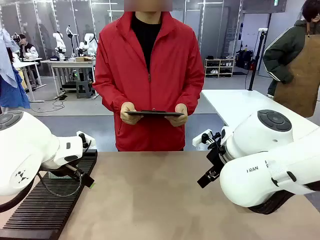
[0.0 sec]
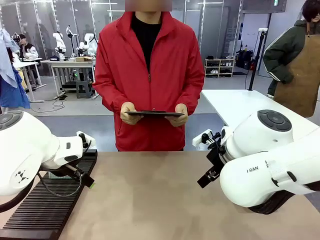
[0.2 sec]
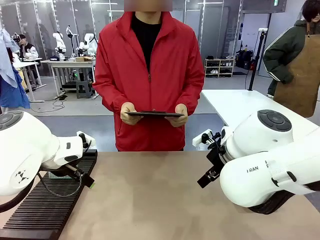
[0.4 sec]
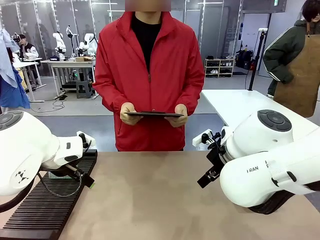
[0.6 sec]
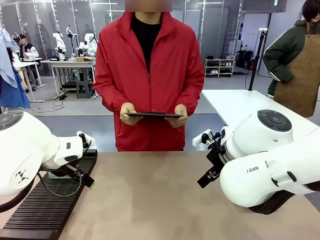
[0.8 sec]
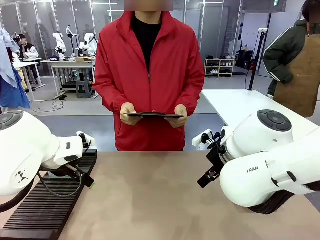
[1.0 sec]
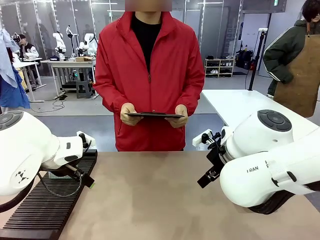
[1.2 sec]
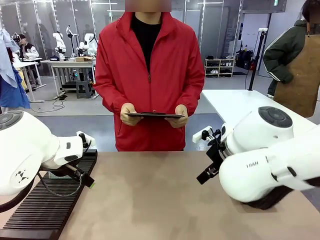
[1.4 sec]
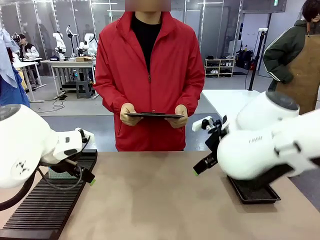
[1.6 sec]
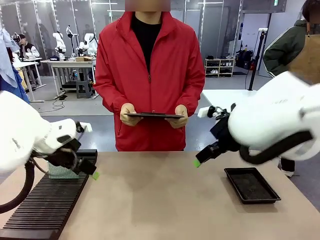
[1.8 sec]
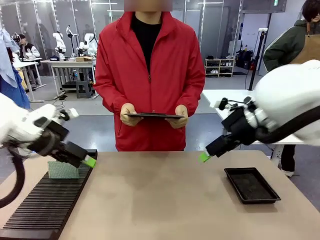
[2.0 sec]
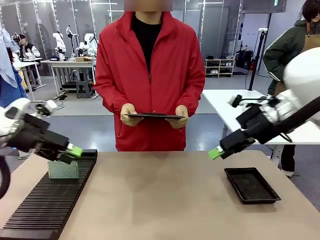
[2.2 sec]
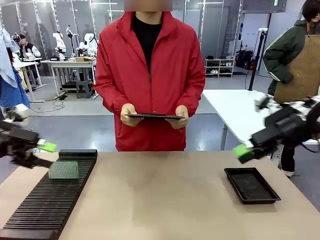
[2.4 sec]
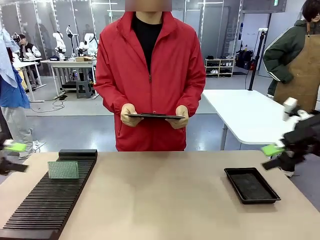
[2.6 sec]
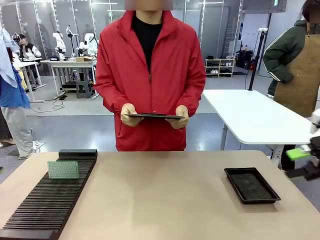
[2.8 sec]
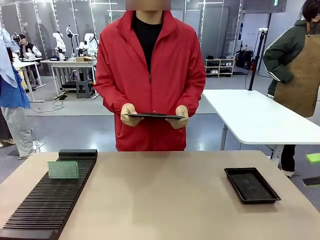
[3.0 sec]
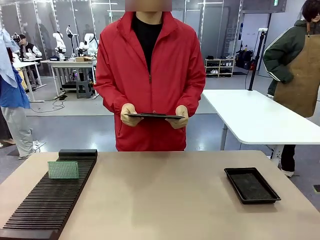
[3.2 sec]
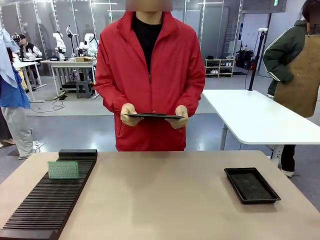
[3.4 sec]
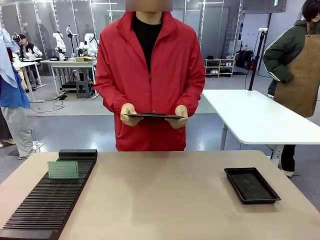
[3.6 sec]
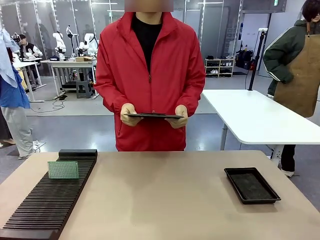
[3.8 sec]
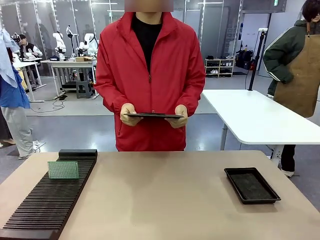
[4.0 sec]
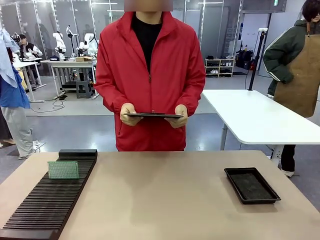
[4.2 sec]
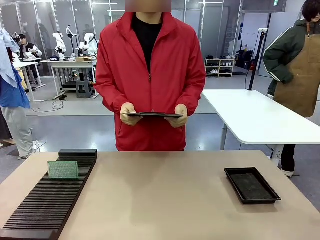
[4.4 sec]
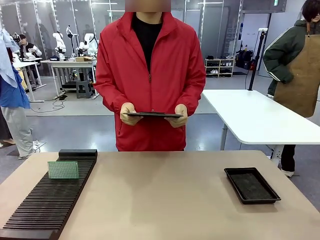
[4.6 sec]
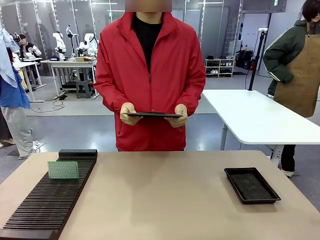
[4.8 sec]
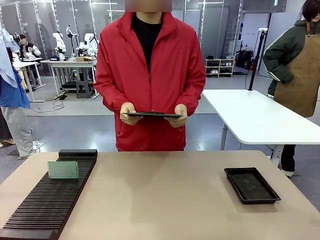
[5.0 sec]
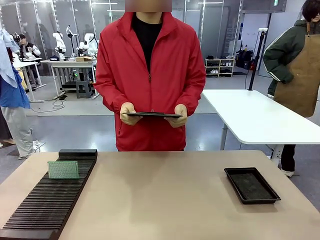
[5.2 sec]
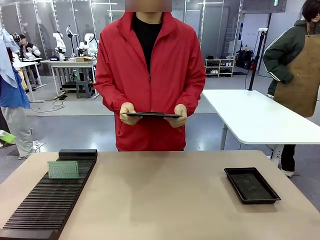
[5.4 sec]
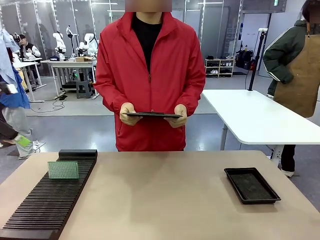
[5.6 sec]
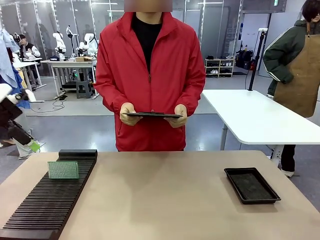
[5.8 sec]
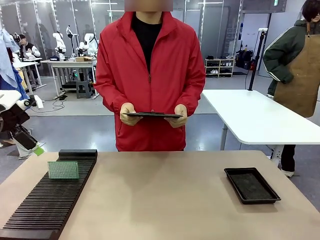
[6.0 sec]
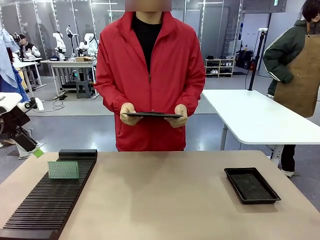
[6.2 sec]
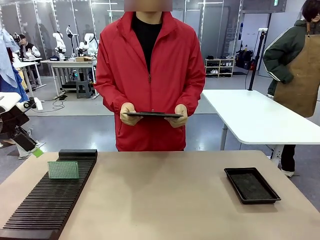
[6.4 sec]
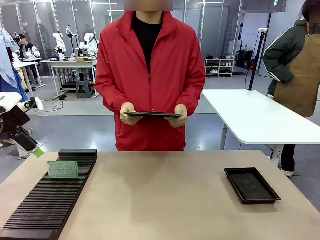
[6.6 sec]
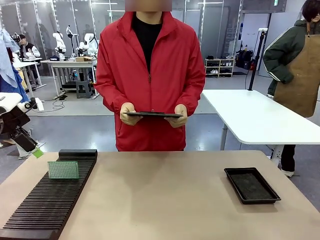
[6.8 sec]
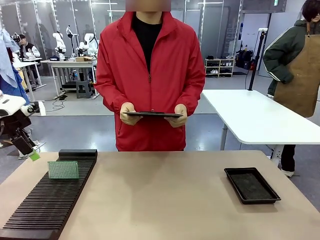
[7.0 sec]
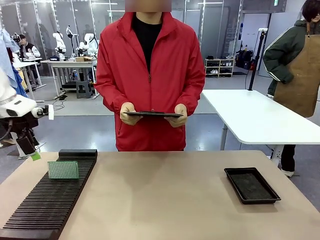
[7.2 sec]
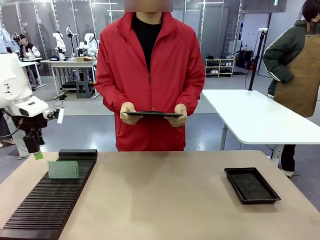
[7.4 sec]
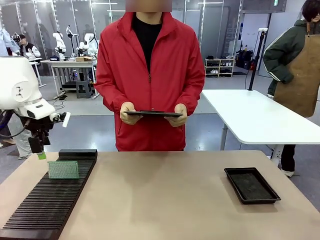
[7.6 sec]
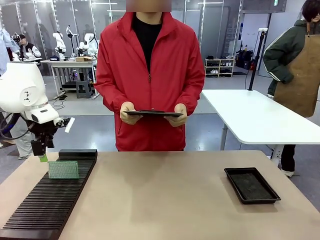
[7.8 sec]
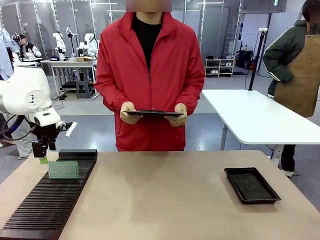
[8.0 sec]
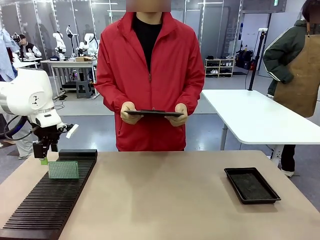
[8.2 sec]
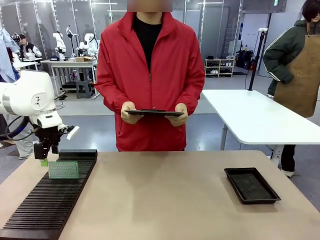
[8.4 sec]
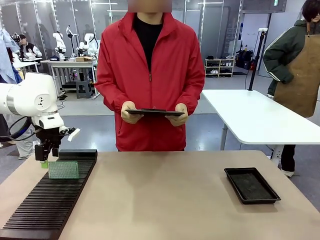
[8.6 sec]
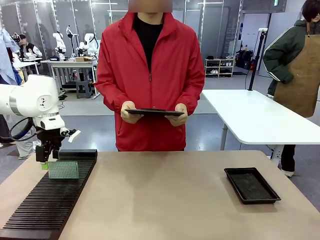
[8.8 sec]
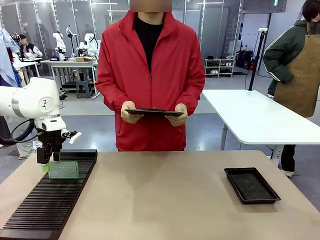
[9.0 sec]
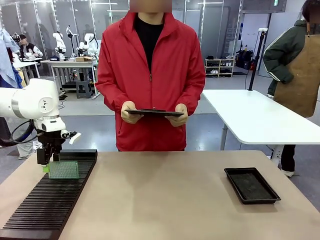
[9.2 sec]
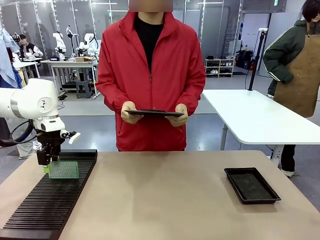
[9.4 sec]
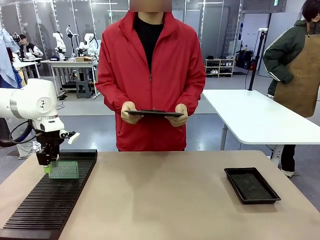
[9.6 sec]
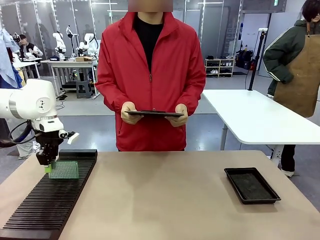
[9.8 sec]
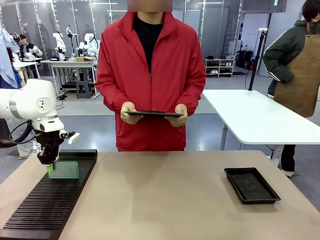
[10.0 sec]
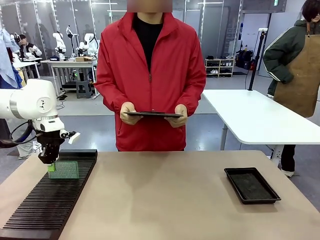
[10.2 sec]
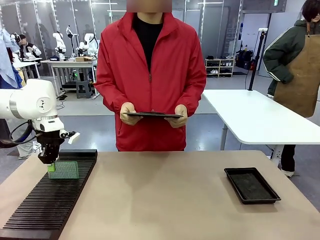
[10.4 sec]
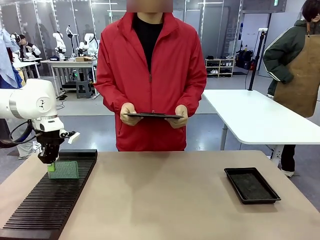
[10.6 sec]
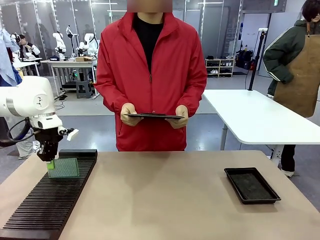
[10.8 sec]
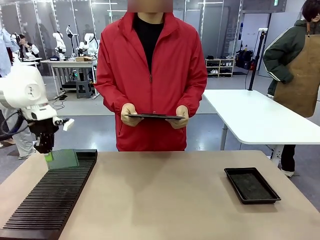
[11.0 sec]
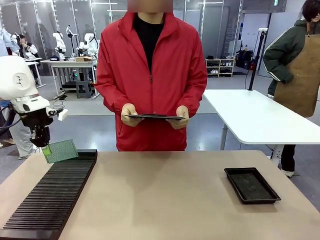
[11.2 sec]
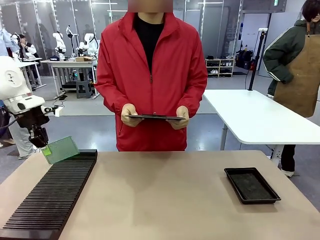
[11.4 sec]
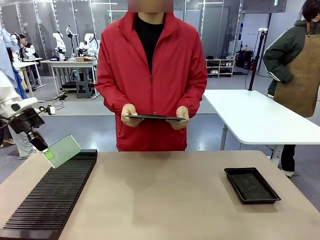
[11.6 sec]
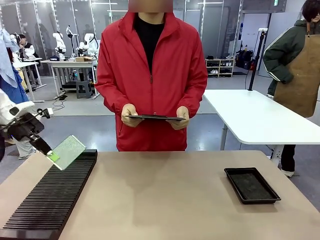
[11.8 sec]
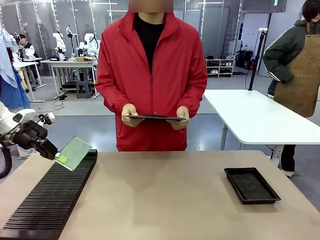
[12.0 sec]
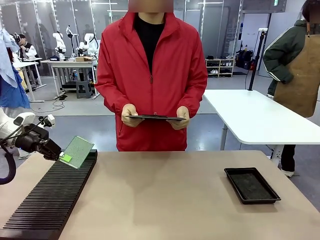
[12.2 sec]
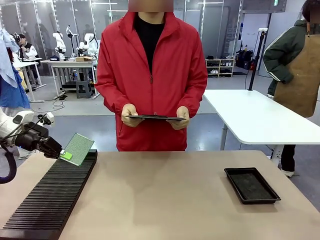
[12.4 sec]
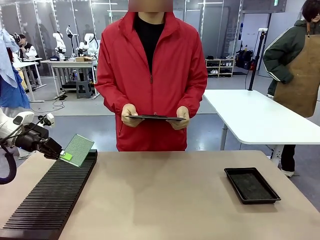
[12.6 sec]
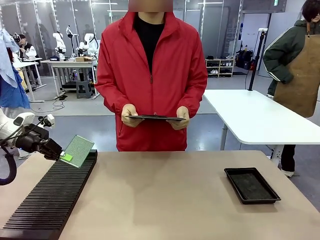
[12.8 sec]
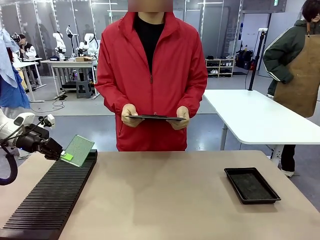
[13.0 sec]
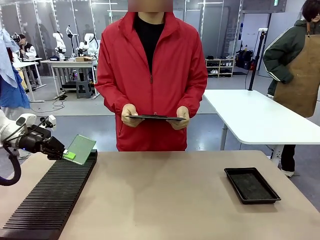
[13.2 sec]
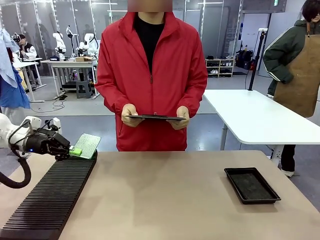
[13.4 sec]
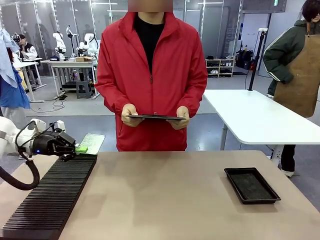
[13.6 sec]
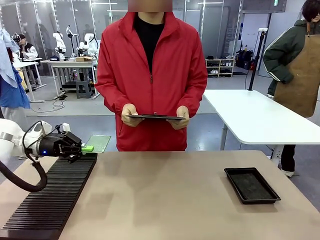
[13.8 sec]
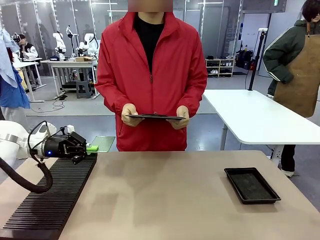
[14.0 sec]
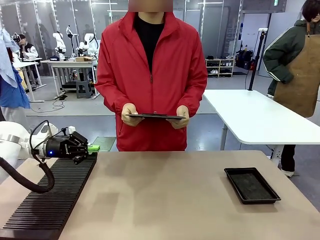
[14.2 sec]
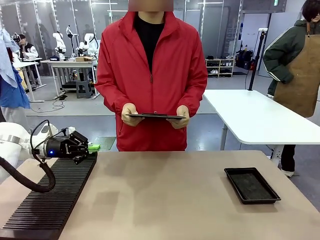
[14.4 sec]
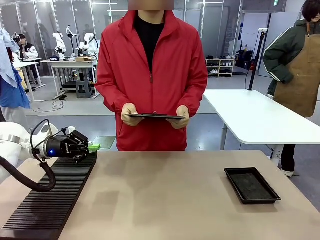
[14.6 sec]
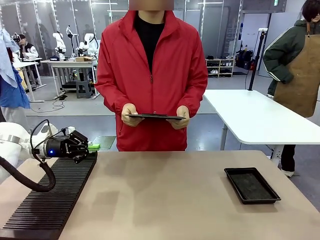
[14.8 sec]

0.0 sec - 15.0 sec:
Task: Inspect the PCB.
Robot: Pick up the Blank PCB and present it to the human.
Person: Pick up the PCB presented by the robot.

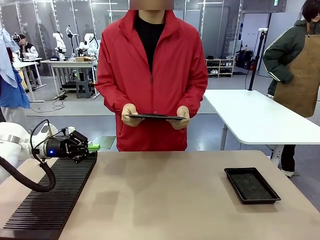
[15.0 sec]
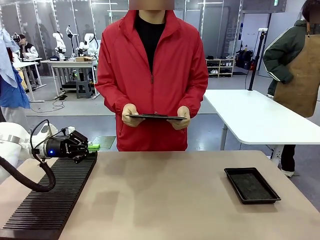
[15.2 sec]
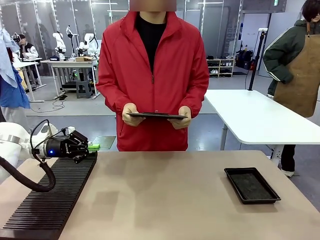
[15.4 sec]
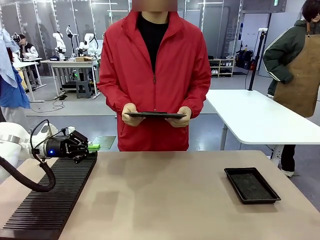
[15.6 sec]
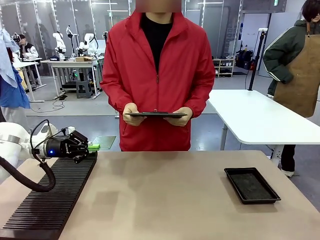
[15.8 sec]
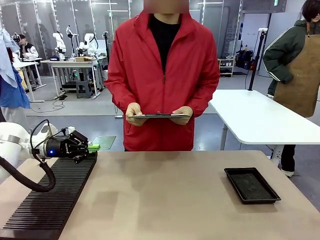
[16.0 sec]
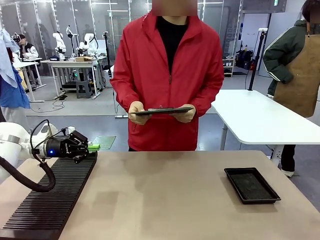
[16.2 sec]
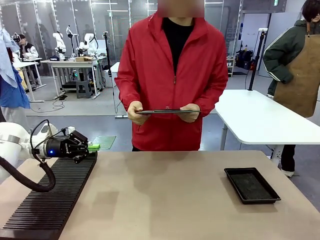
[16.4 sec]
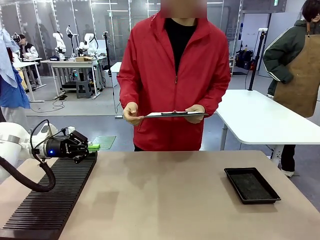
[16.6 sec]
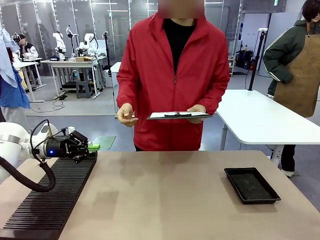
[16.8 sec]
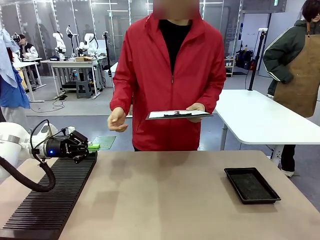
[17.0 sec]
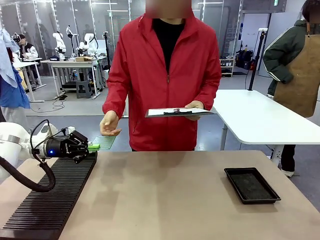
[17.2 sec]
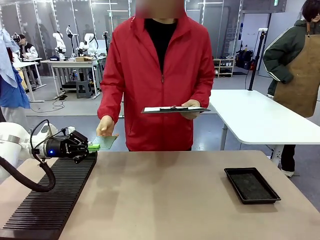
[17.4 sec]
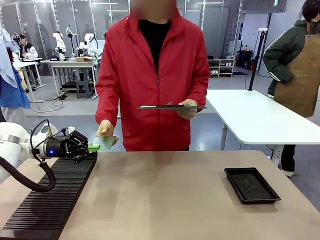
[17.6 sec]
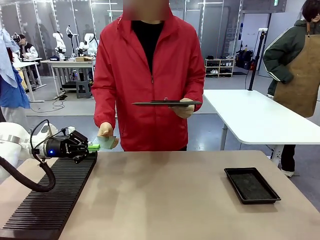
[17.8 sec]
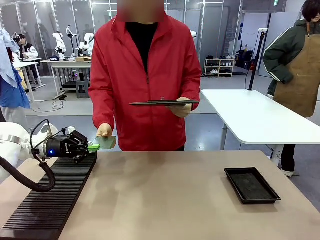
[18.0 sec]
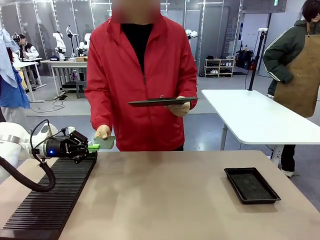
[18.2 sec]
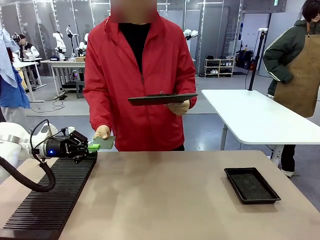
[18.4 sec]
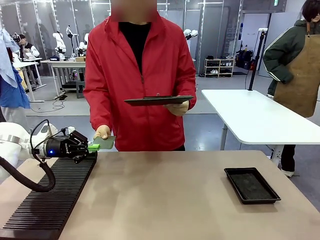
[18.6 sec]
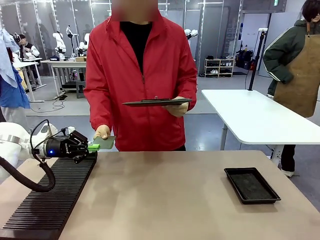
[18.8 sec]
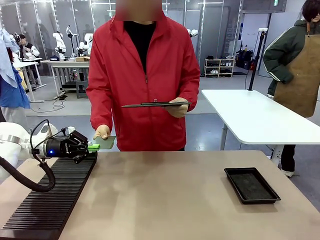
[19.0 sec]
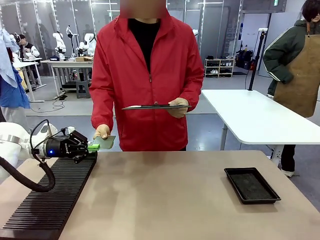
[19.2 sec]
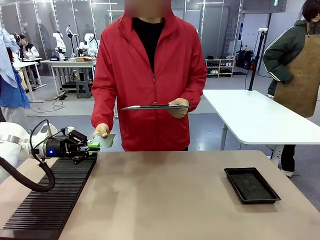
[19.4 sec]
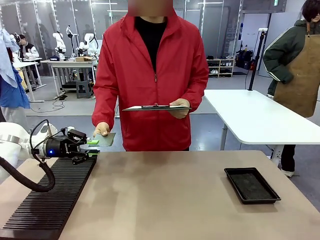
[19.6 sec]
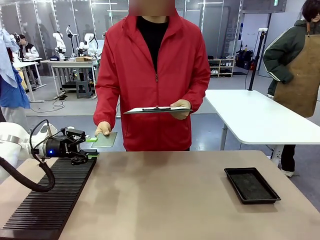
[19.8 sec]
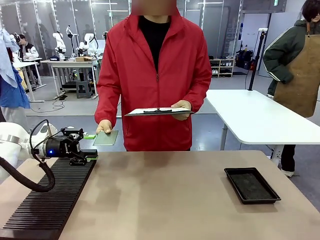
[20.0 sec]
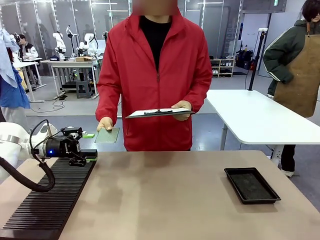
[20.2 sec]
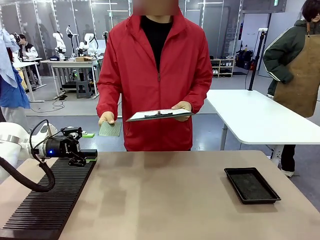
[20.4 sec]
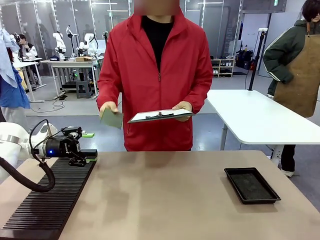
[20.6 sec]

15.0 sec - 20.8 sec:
Robot: Release the Blank PCB you were holding.
